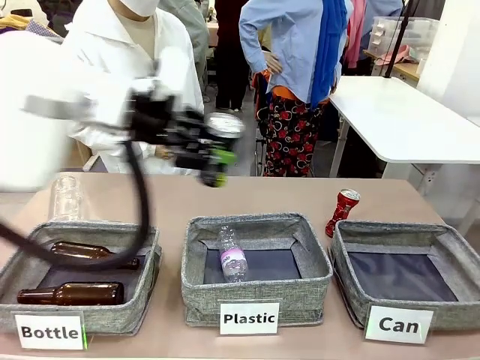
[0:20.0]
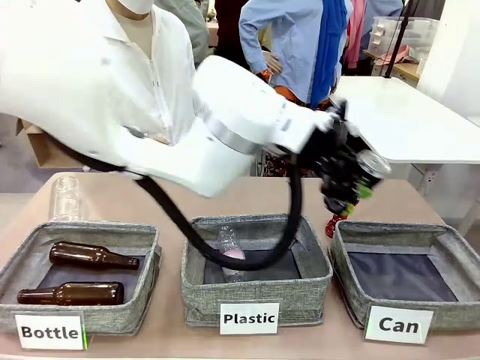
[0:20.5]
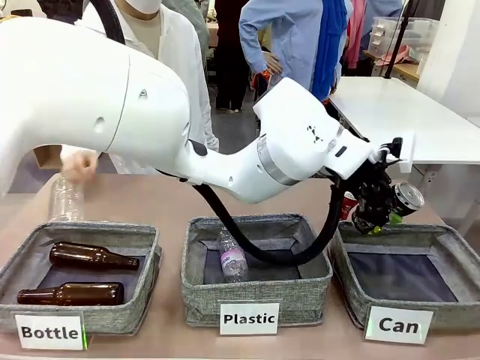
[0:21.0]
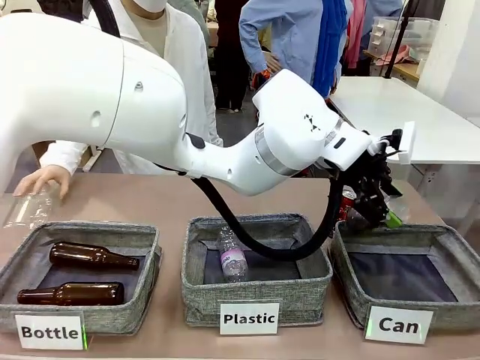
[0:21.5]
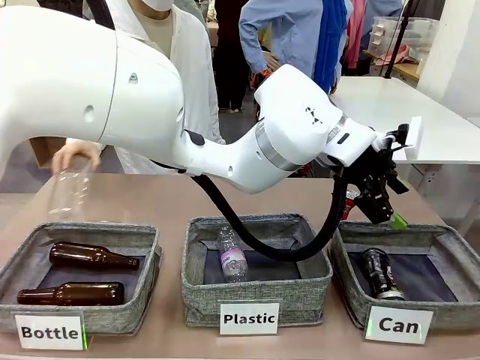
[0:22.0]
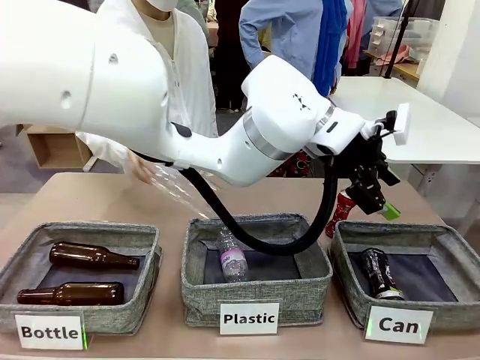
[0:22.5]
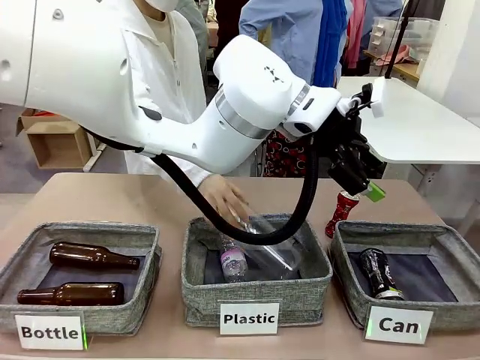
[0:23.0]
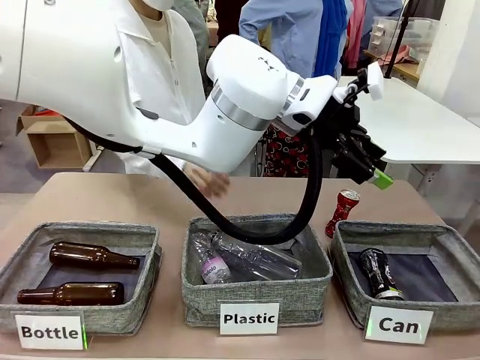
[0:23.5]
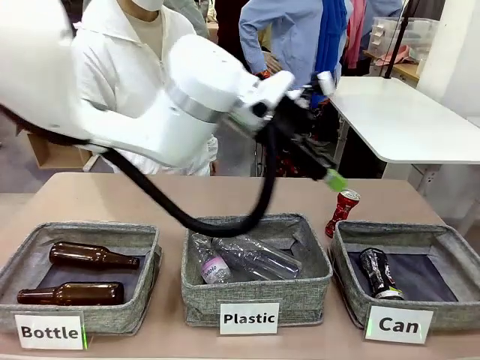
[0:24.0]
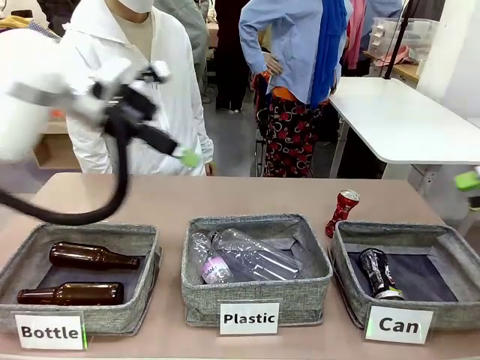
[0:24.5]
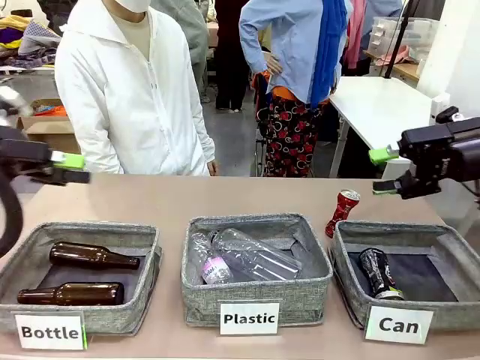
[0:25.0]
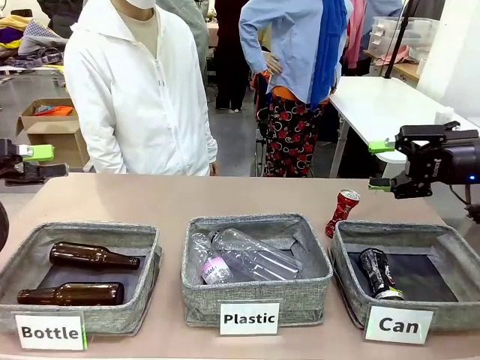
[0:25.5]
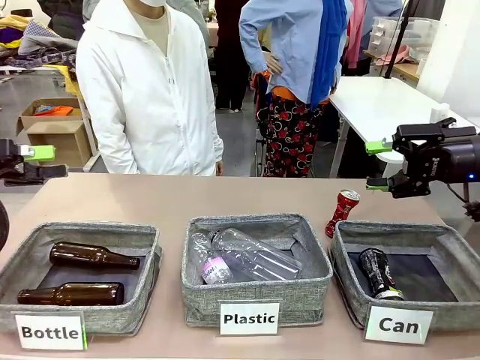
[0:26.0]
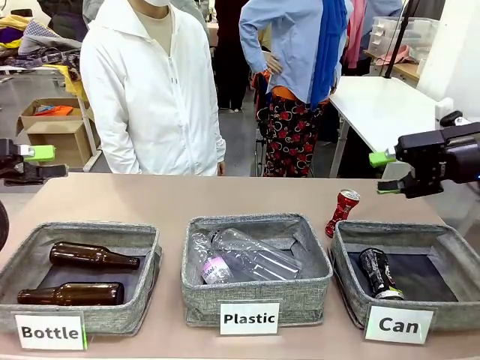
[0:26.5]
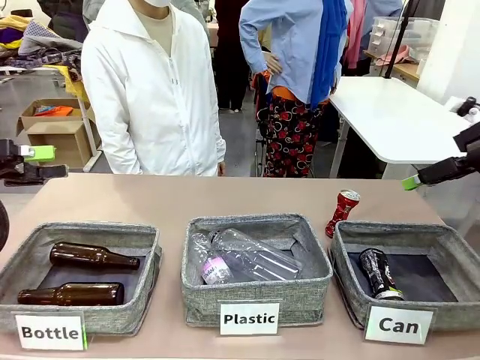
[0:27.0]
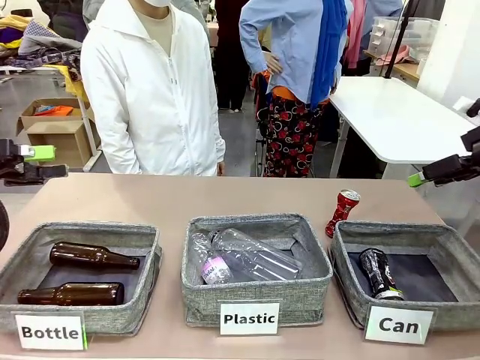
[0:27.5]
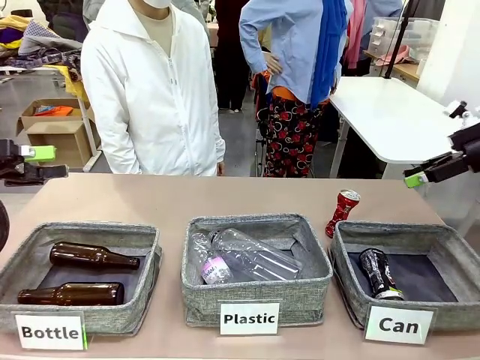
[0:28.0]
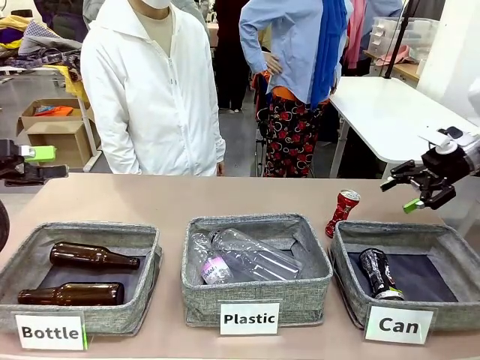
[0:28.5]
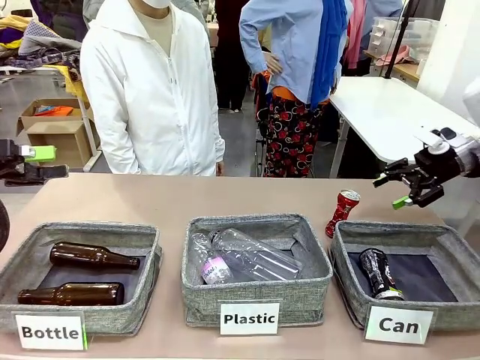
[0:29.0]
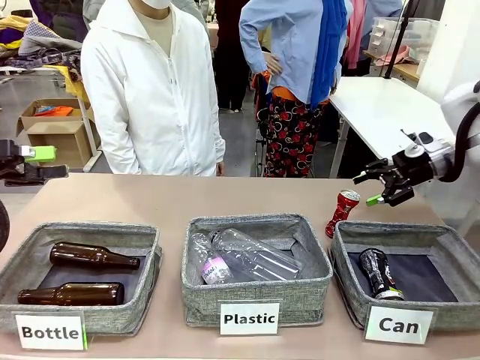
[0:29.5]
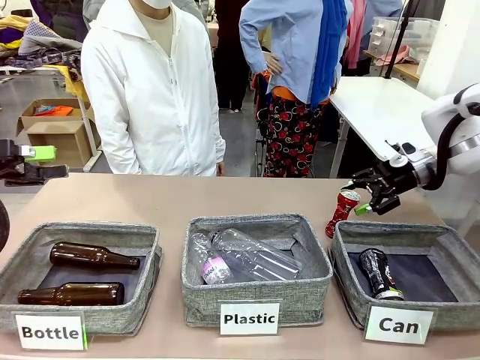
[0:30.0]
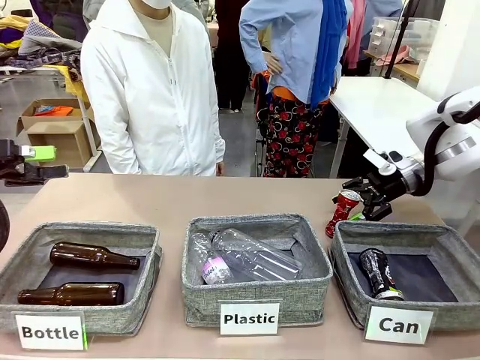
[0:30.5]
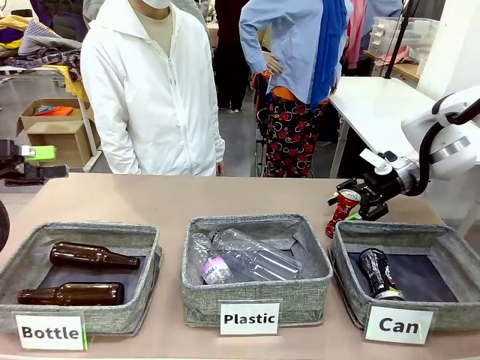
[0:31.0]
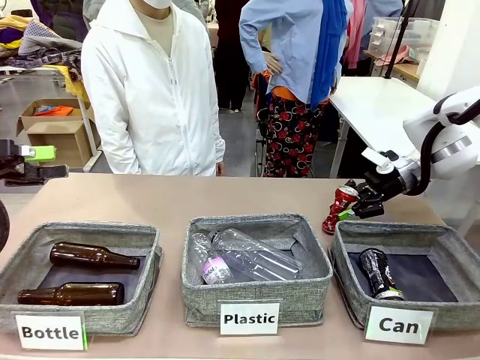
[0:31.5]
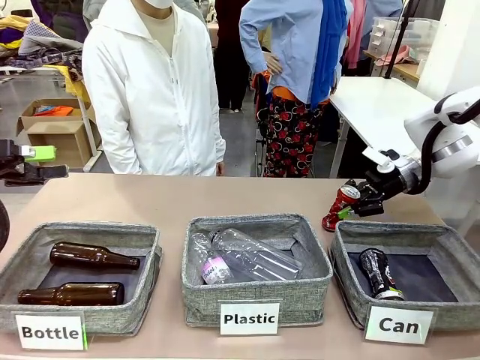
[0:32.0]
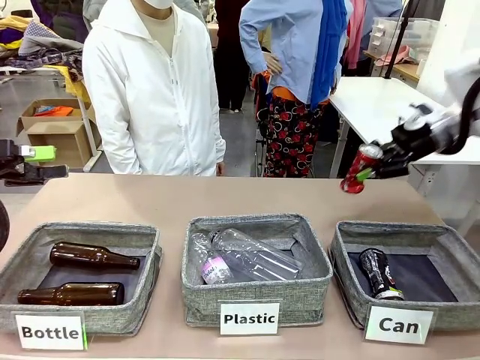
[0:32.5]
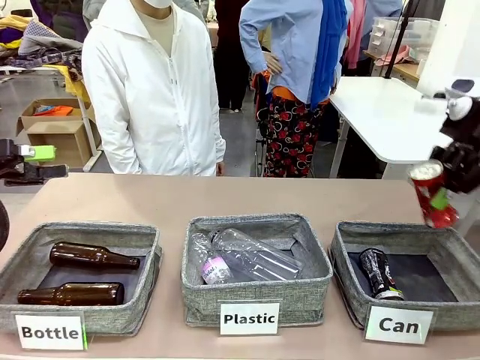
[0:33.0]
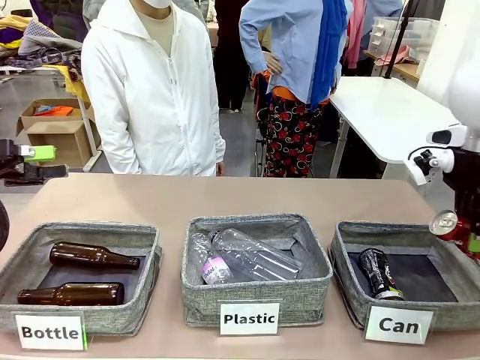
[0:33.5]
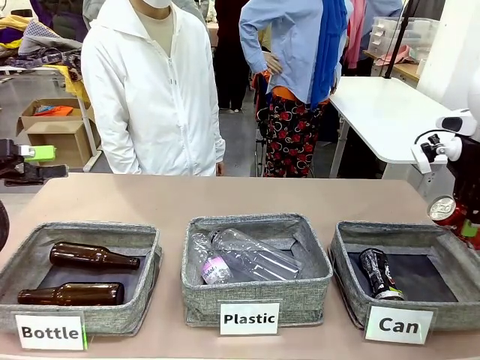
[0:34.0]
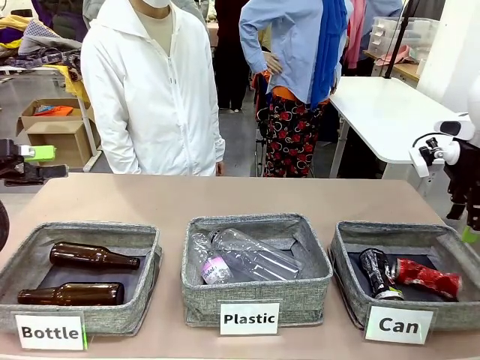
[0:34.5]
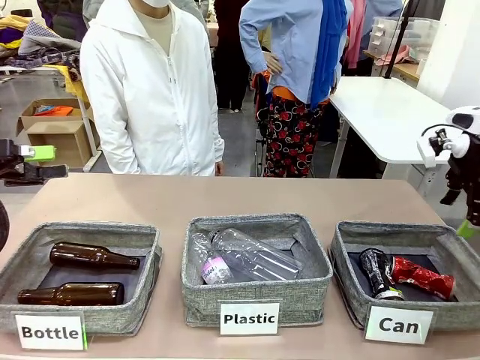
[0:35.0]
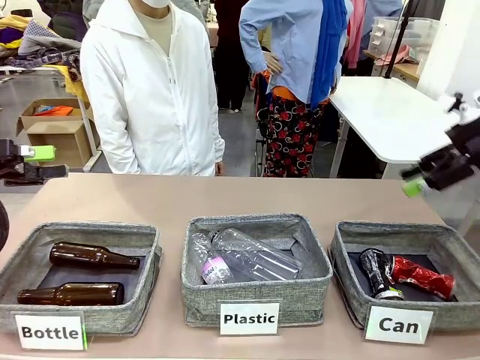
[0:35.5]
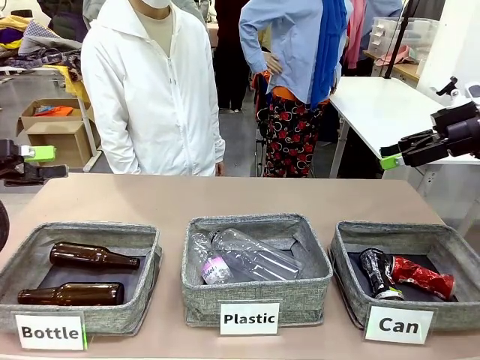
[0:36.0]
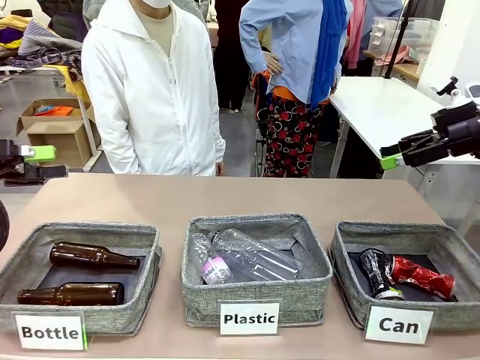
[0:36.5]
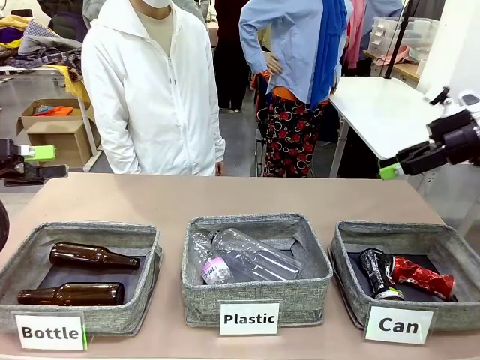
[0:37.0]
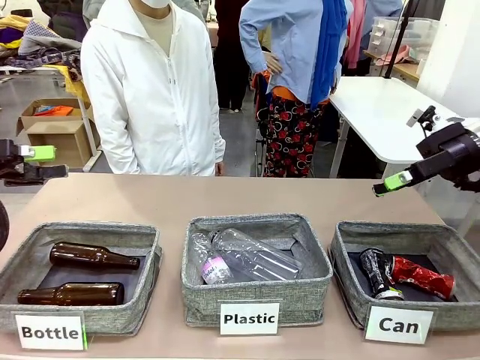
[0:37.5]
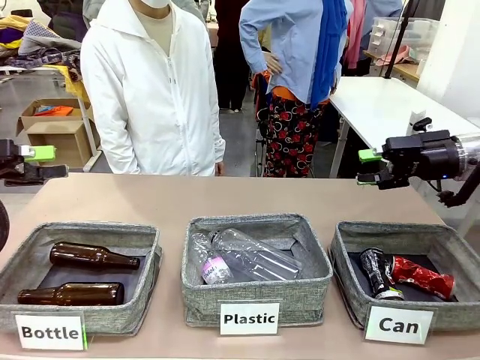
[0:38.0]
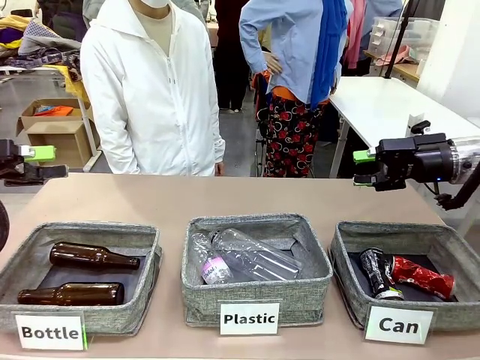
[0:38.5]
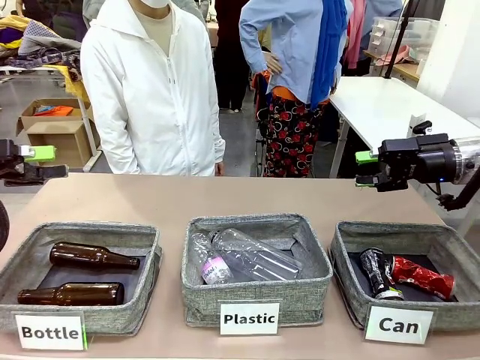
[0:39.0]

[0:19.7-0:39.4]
Task: Sort the can waste into the basket.
Robot: Pick up the can waste from the table and place it in the right Fabric basket.

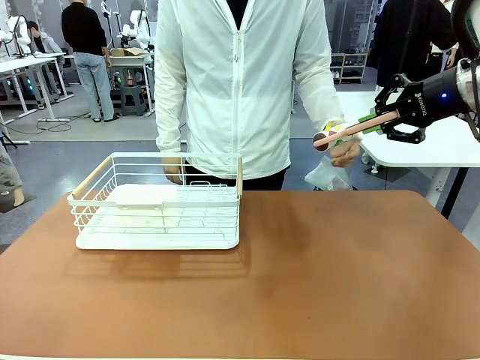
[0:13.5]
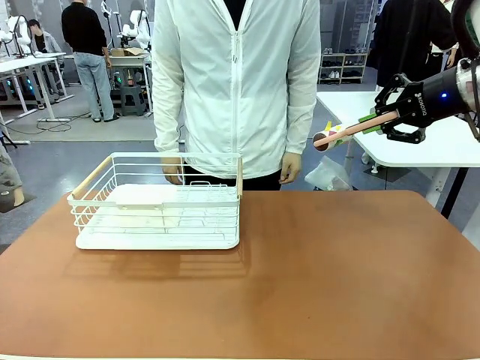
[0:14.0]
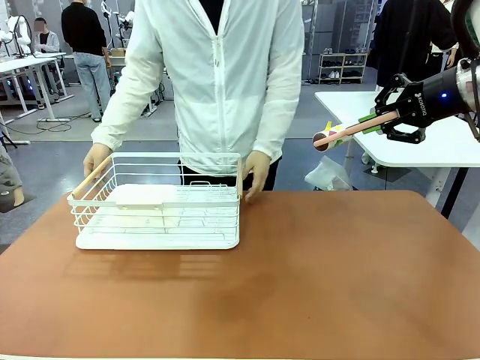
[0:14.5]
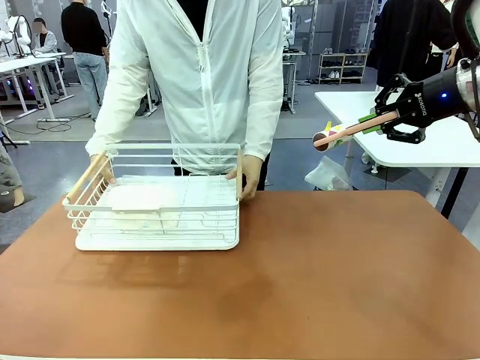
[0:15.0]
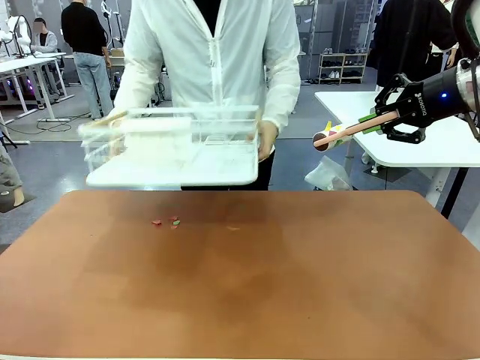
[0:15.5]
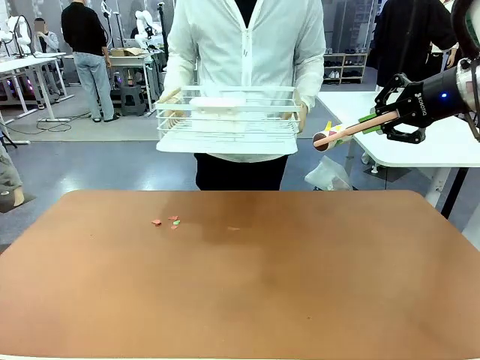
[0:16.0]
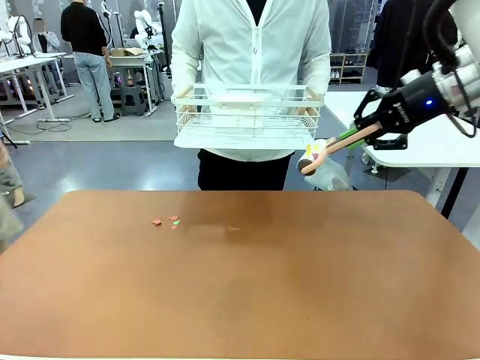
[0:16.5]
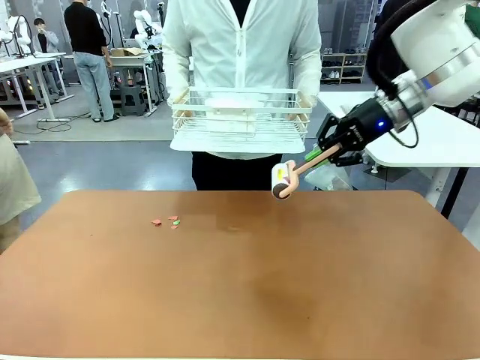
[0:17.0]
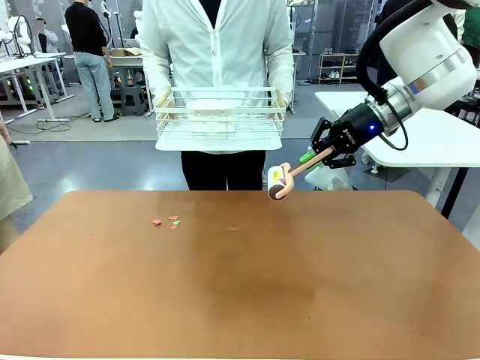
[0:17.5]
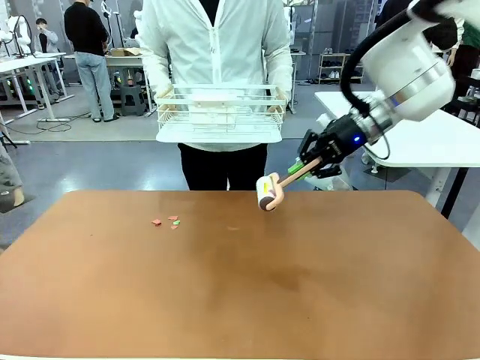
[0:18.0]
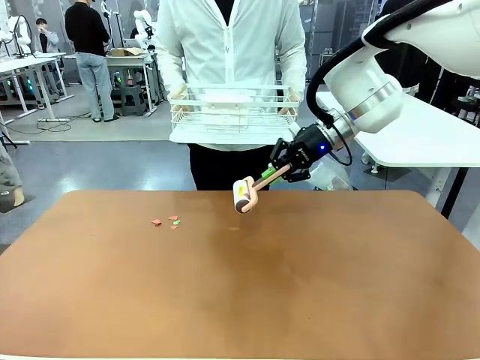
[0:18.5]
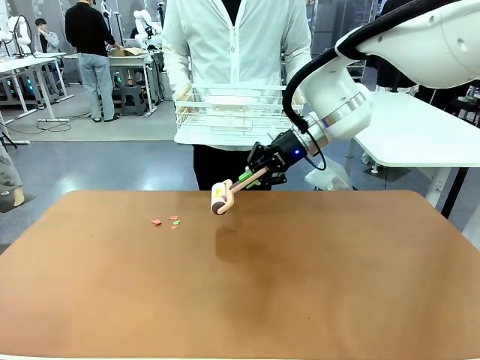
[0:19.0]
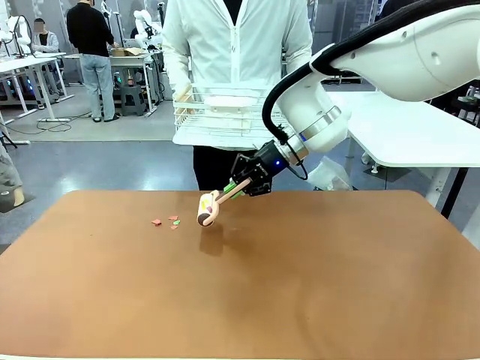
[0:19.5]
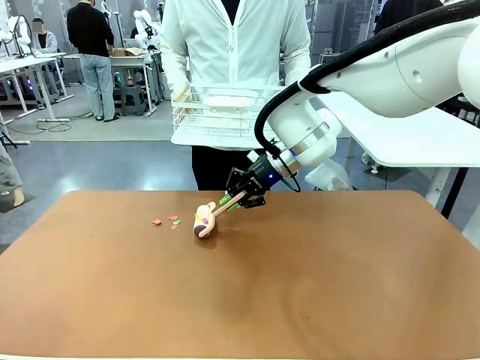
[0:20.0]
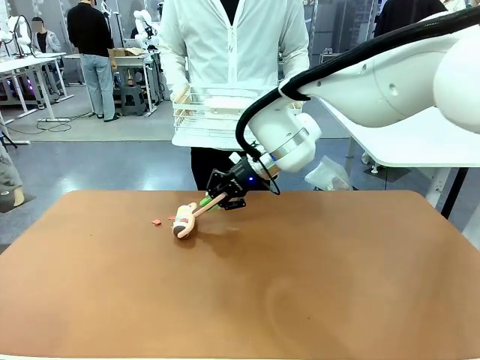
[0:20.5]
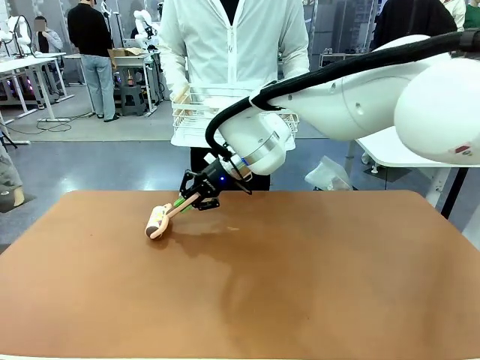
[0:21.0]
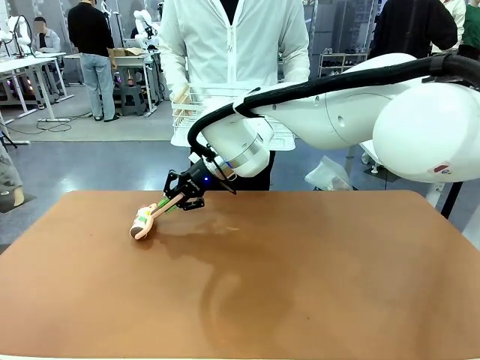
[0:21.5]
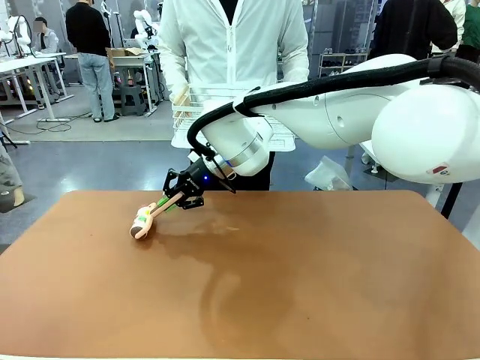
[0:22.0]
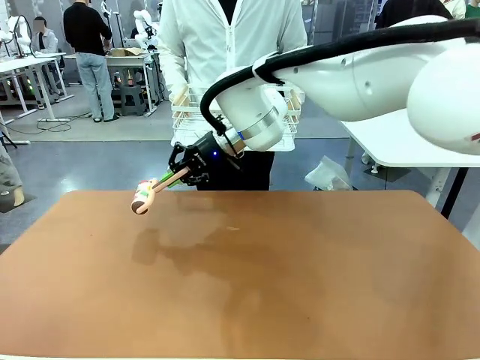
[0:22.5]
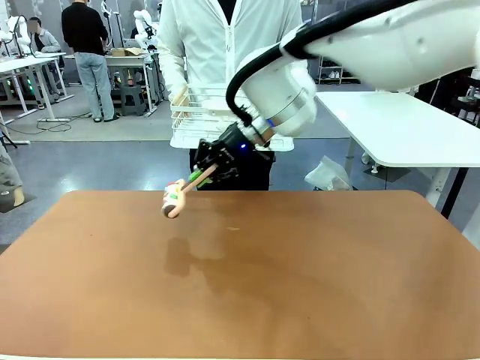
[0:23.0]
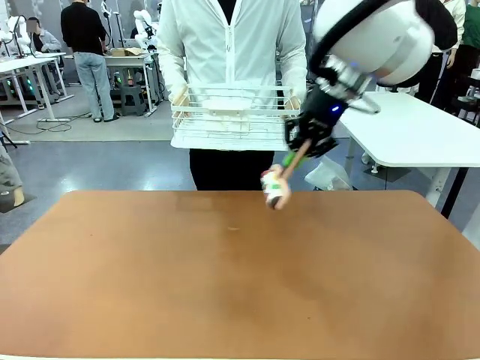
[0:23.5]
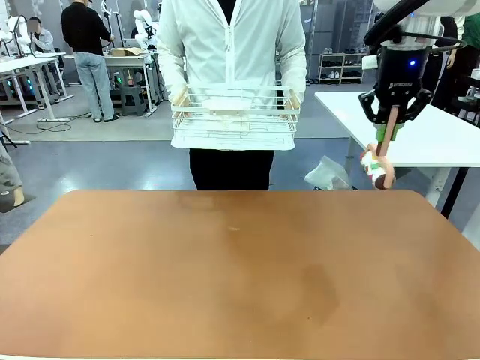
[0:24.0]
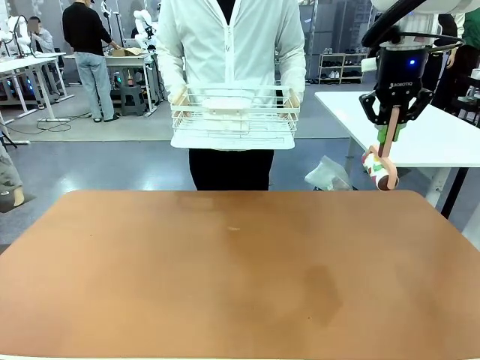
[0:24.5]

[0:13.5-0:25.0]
Task: Clean the table.
Robot: Clean the table with the Lint Roller when the human lifts the Dish drying rack.
